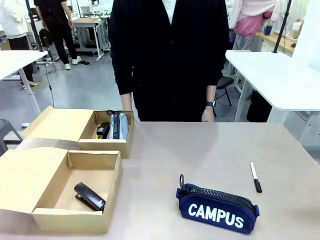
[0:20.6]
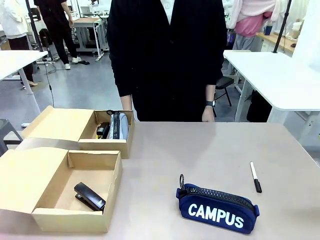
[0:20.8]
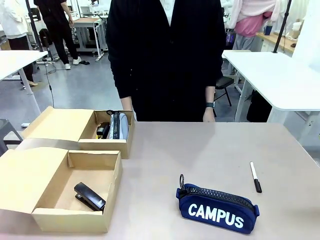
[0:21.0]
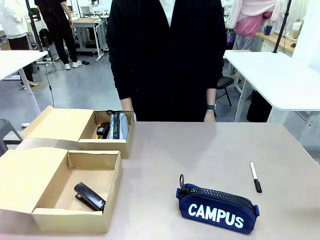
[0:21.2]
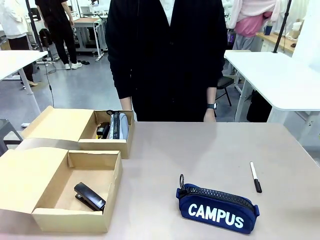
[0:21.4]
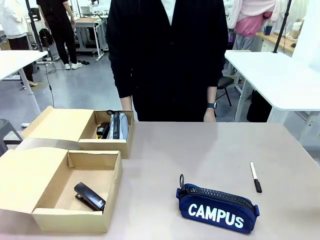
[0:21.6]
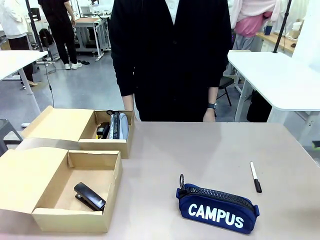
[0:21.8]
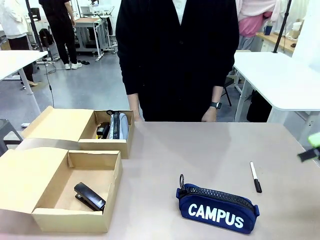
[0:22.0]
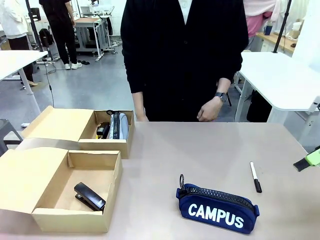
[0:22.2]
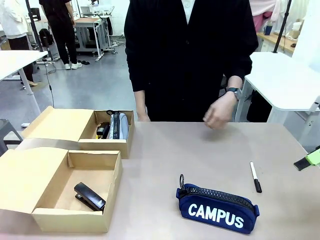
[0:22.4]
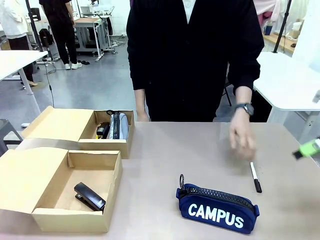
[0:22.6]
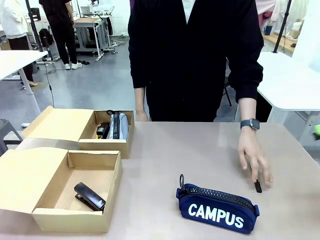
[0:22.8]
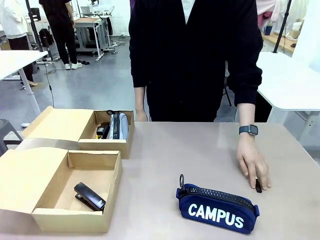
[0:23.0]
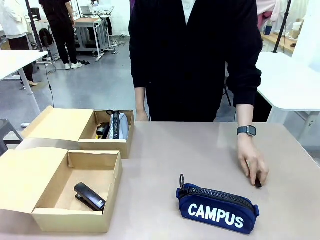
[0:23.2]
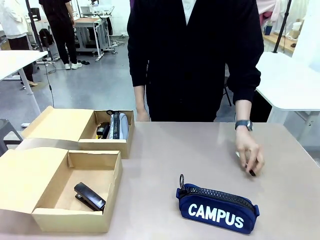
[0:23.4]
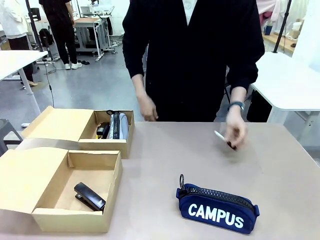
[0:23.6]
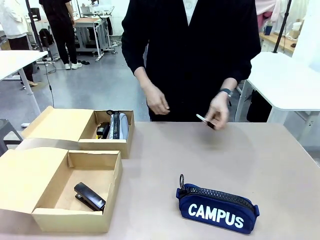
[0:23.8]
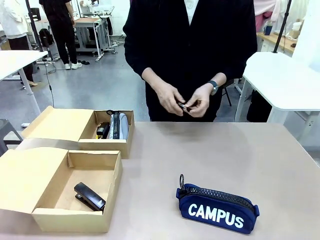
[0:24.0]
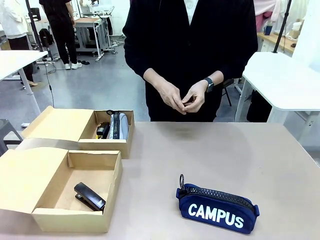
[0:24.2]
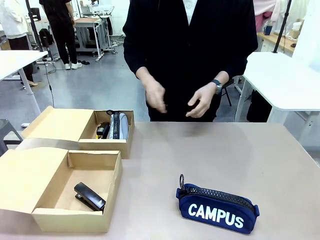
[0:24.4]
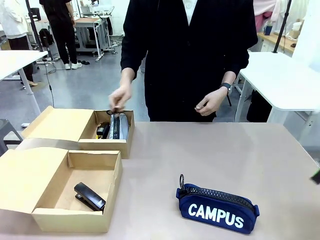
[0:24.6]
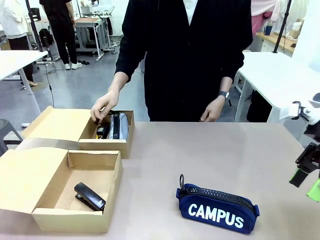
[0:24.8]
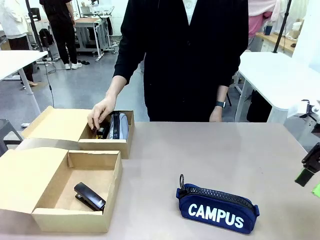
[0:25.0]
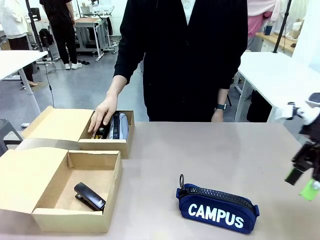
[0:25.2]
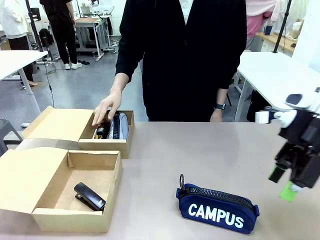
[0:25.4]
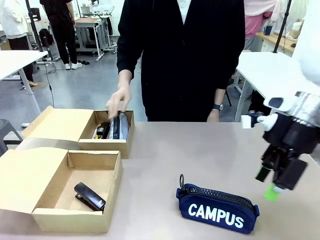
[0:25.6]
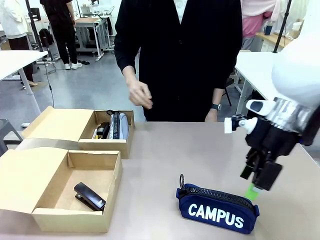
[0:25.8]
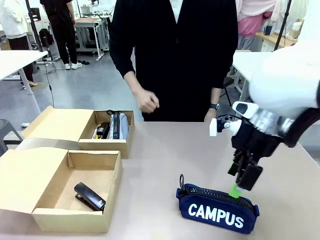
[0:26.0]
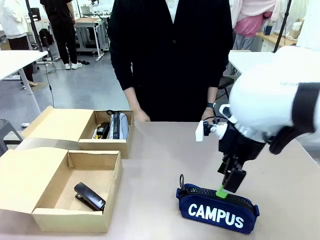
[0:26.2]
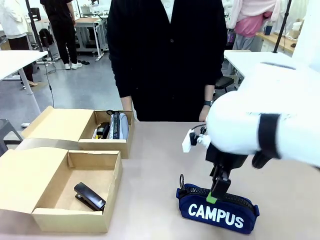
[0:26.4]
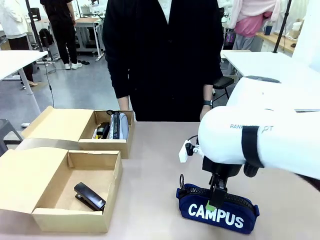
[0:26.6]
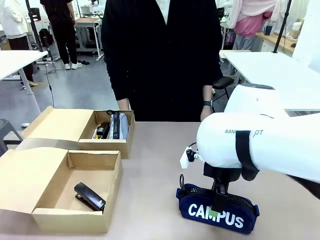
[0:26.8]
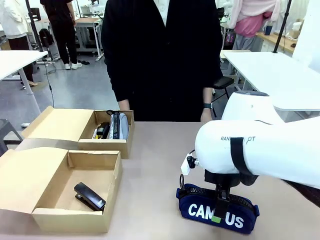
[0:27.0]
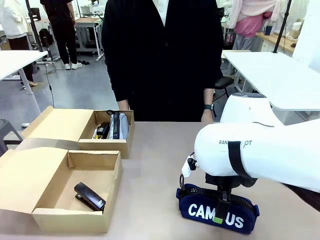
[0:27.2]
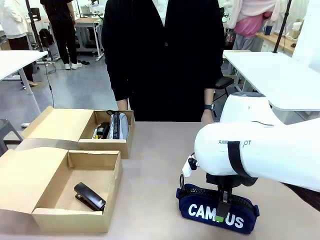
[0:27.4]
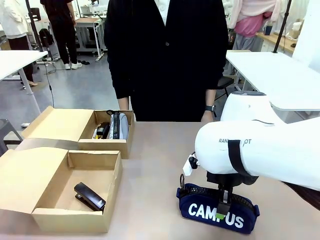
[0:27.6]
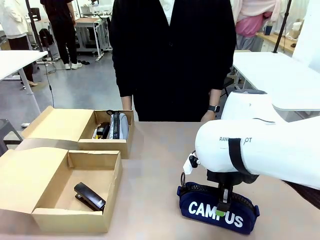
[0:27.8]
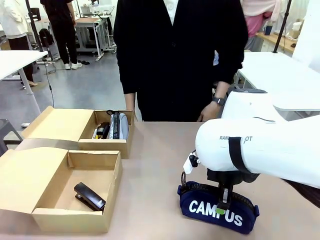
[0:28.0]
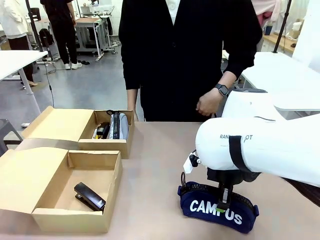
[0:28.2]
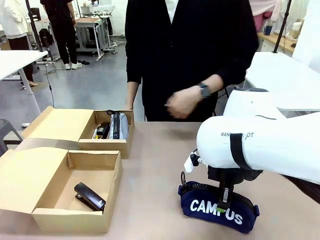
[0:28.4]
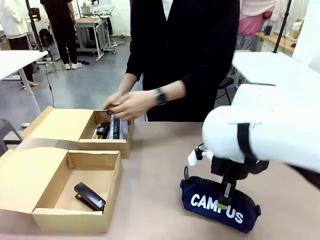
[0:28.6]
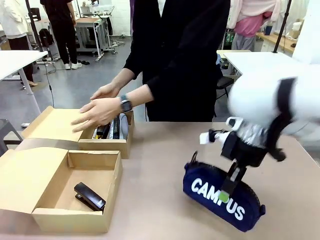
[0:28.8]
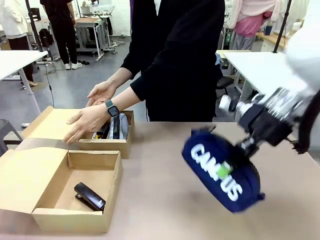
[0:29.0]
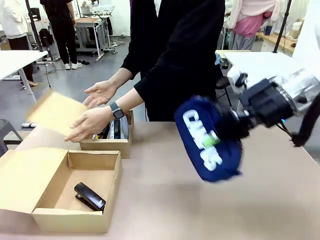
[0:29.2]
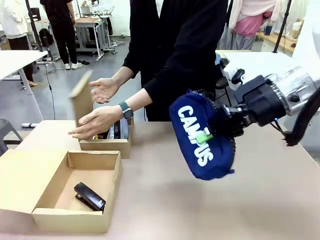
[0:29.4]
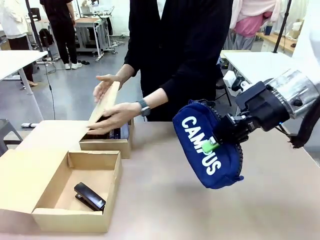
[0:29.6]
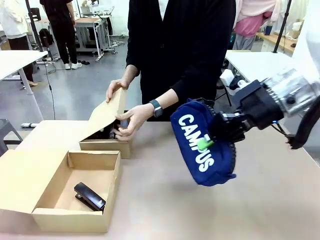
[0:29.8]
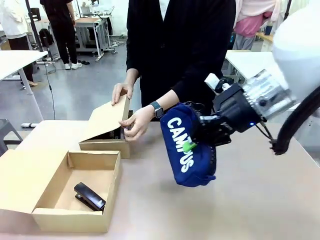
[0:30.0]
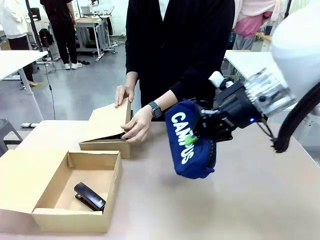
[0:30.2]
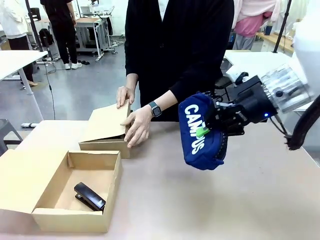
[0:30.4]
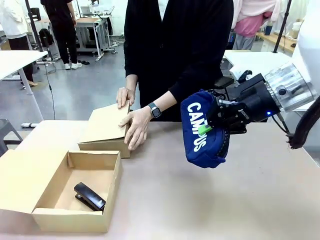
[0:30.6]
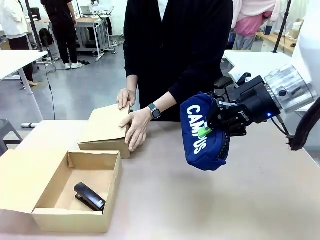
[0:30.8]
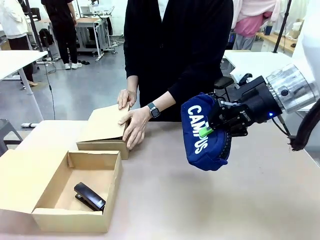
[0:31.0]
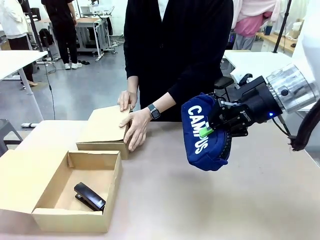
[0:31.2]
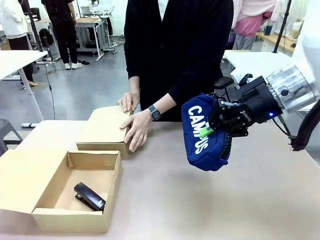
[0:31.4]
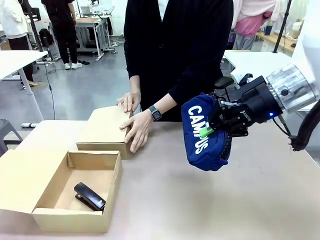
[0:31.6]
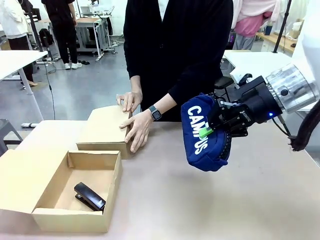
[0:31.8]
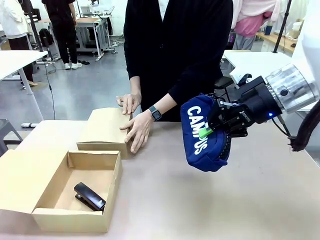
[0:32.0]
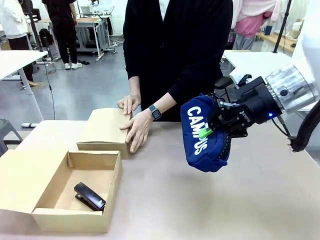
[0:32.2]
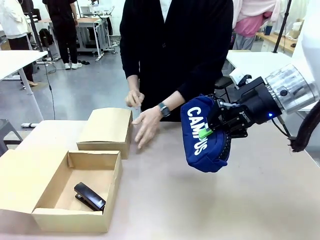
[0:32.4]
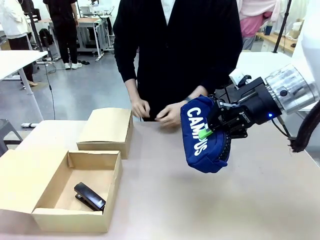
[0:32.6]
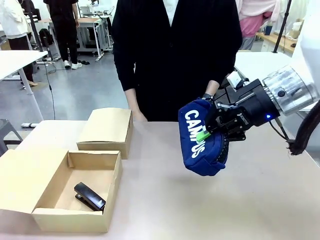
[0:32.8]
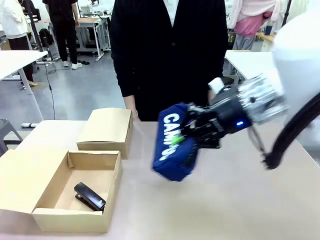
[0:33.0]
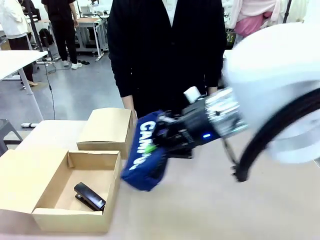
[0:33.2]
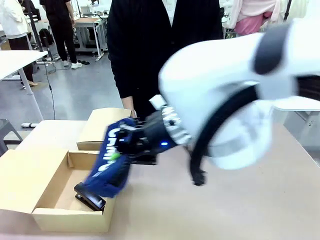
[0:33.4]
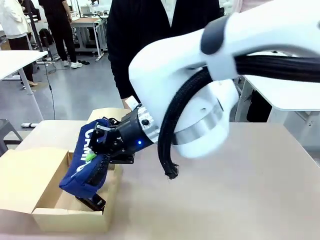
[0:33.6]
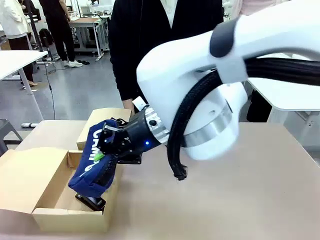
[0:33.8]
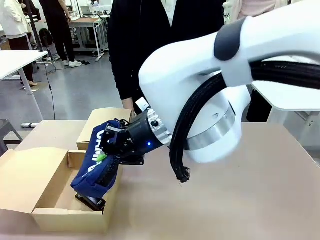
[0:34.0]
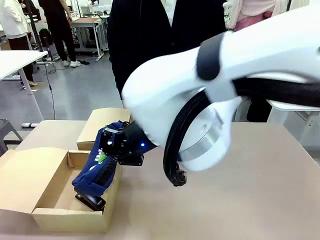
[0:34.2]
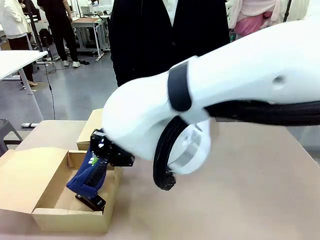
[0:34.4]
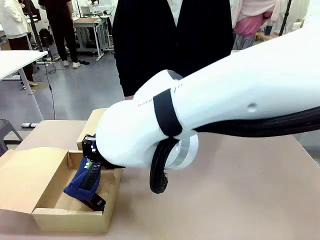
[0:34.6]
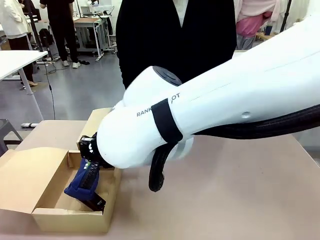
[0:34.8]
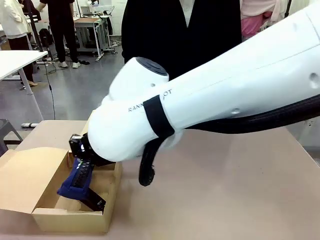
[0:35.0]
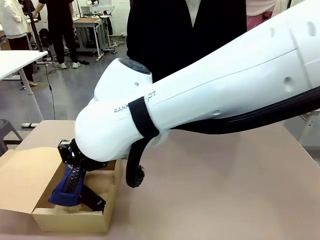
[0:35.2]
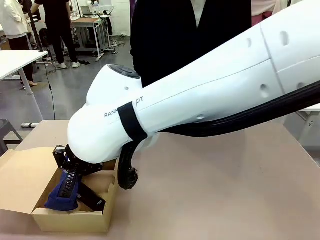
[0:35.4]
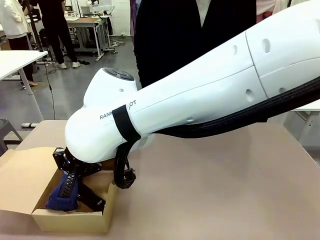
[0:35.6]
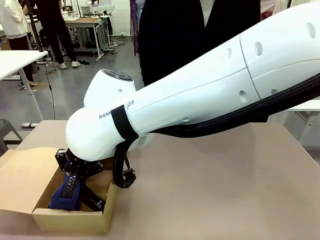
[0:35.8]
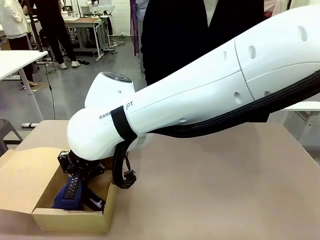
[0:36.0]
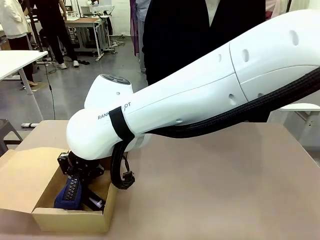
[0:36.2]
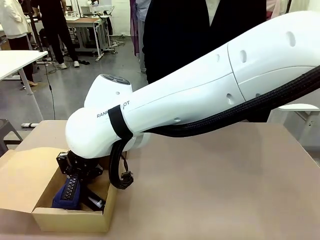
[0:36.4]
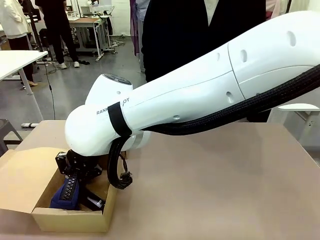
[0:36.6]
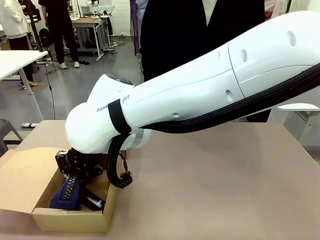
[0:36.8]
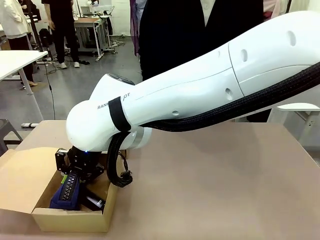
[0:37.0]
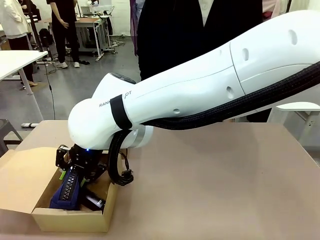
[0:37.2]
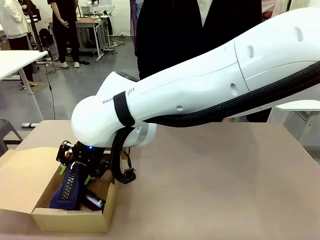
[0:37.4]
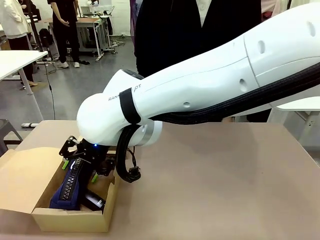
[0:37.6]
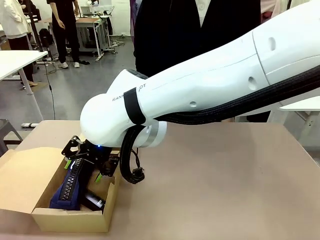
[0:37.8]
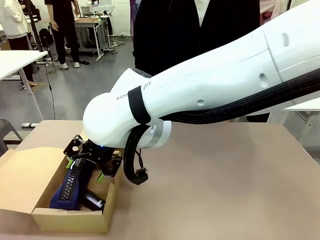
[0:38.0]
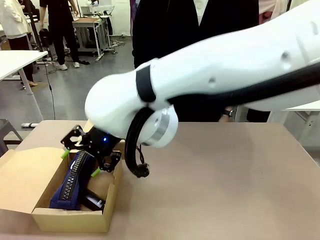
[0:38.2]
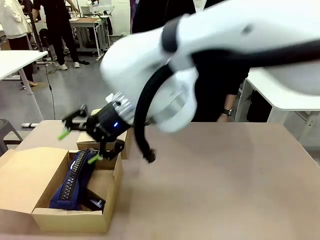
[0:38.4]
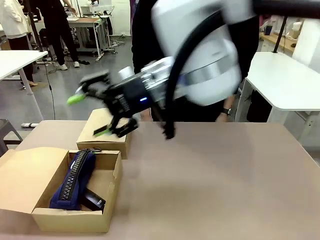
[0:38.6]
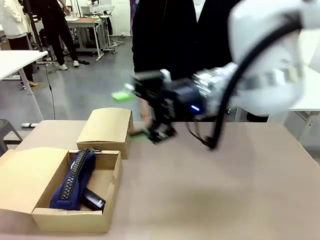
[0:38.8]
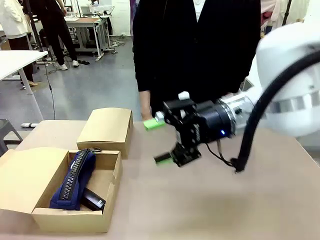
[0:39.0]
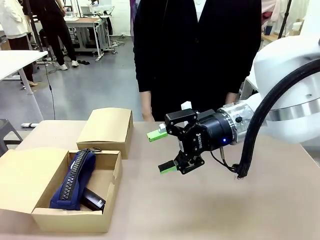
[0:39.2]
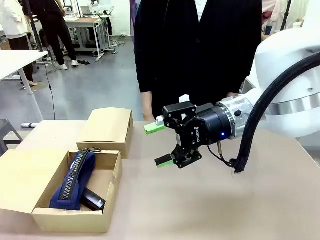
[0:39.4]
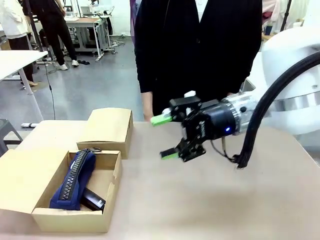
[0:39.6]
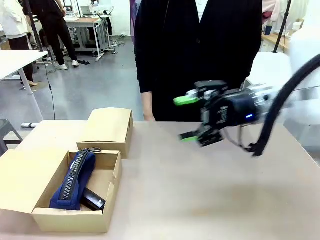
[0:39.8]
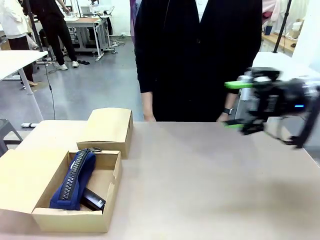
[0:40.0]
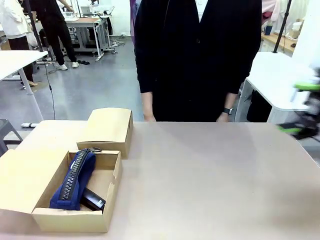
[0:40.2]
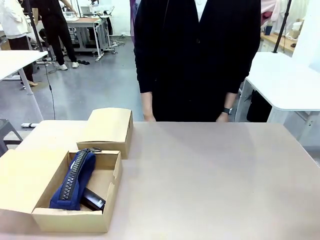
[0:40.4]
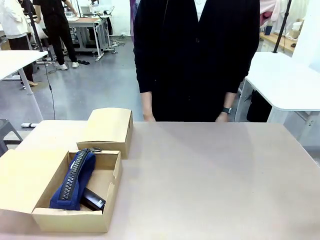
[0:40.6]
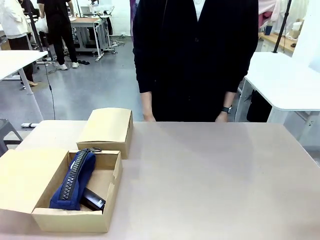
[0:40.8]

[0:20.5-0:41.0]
Task: Place items inside the box.
Robot: Pick up a Pencil pouch or Stapler and place it inside the Mailer Box closest to the robot.
Person: Close the lid of the box facing the person.
